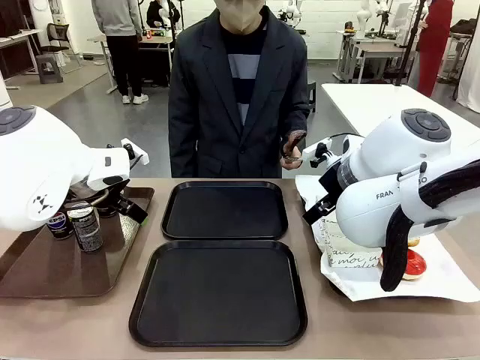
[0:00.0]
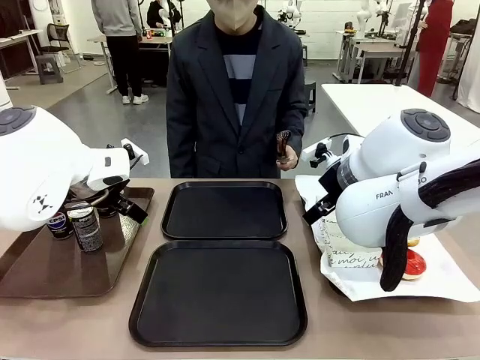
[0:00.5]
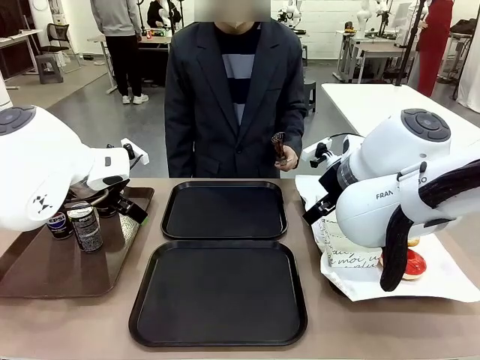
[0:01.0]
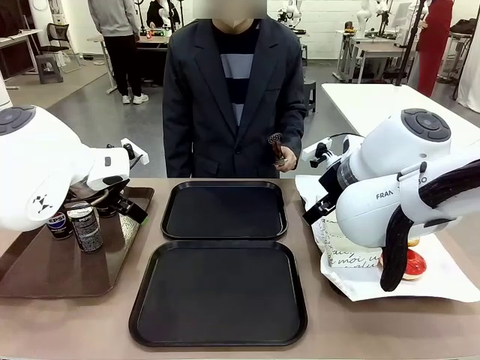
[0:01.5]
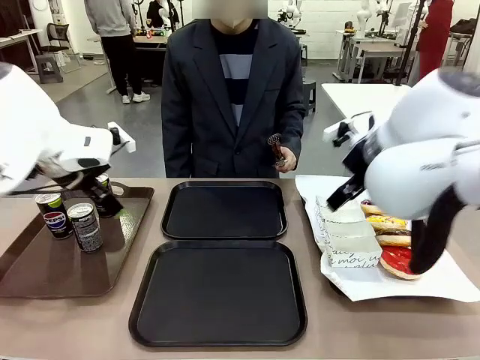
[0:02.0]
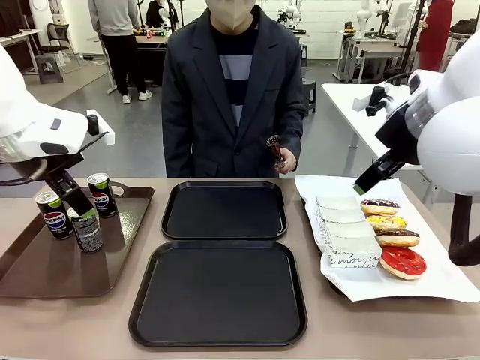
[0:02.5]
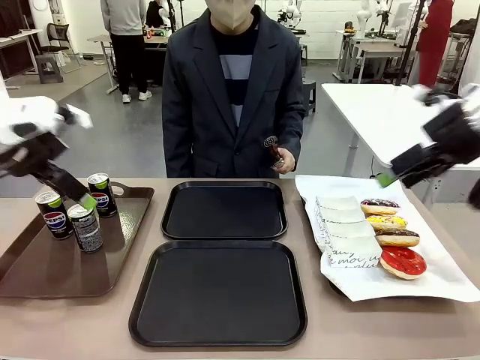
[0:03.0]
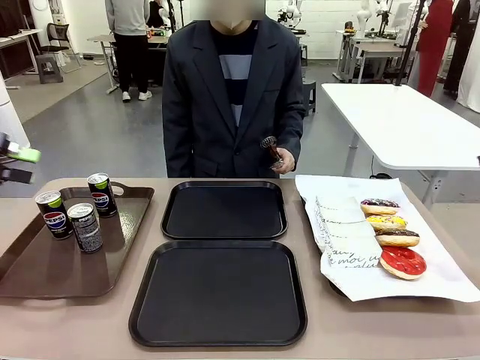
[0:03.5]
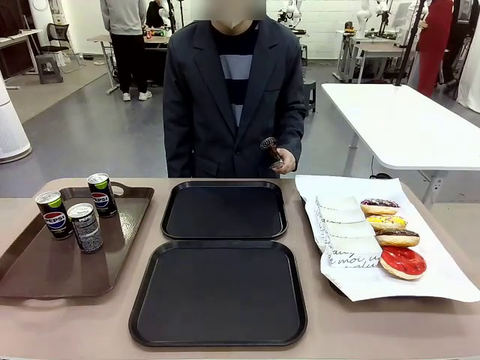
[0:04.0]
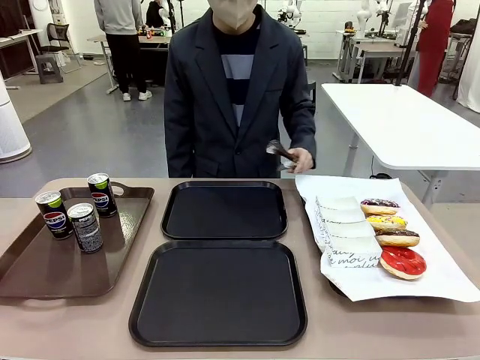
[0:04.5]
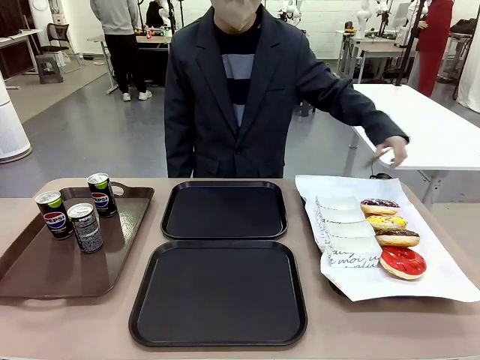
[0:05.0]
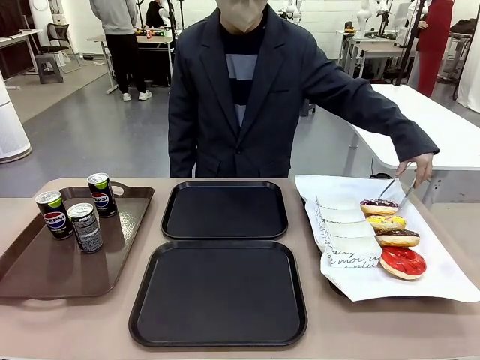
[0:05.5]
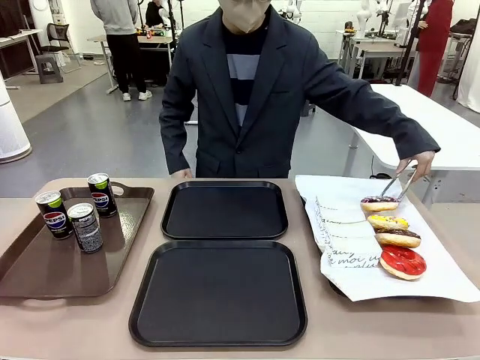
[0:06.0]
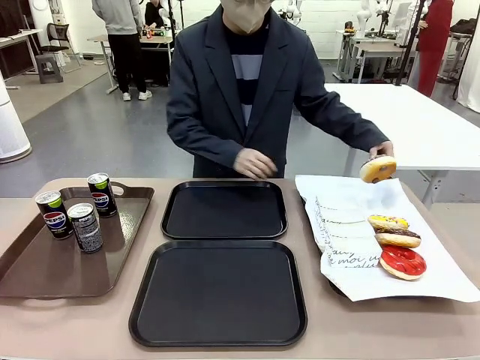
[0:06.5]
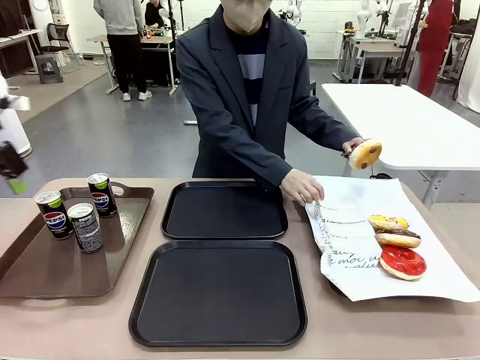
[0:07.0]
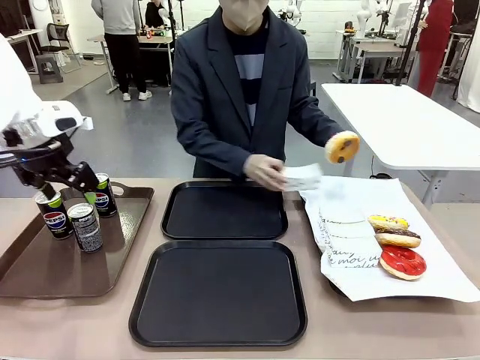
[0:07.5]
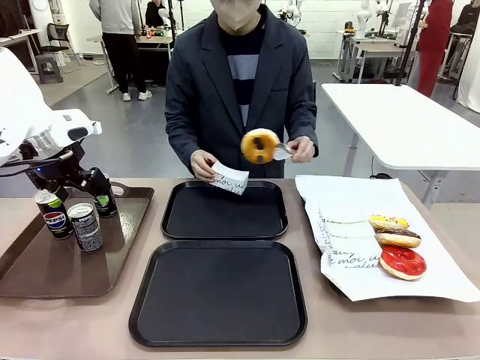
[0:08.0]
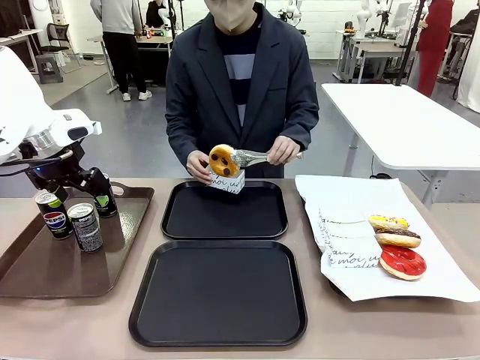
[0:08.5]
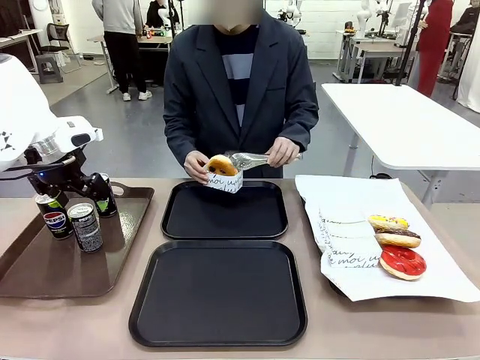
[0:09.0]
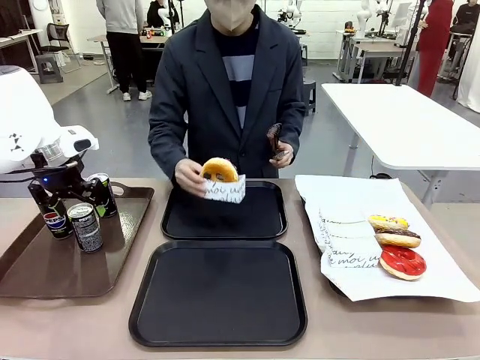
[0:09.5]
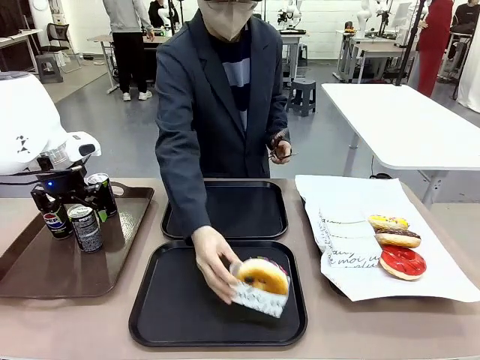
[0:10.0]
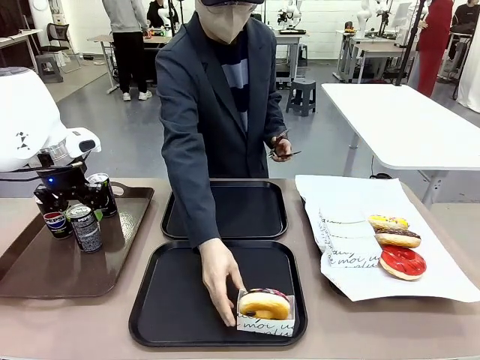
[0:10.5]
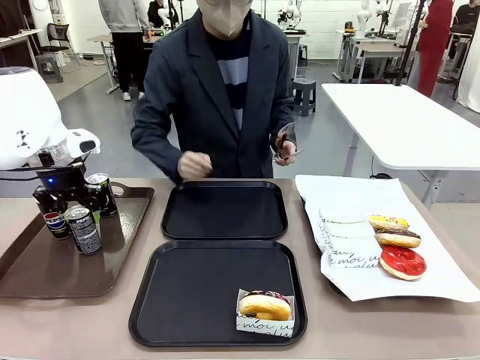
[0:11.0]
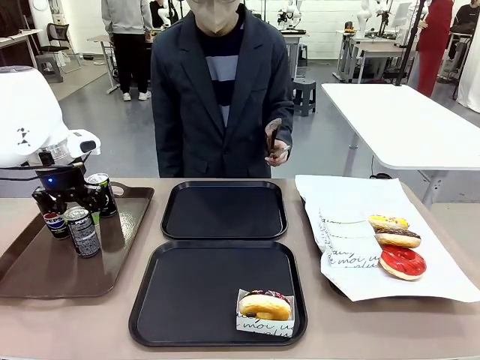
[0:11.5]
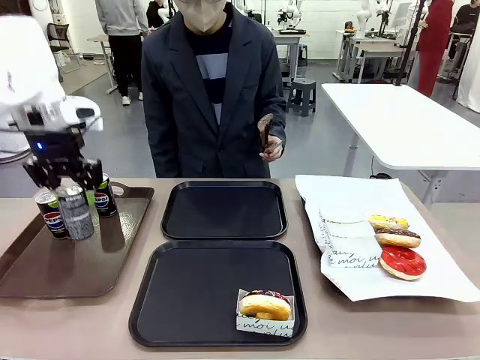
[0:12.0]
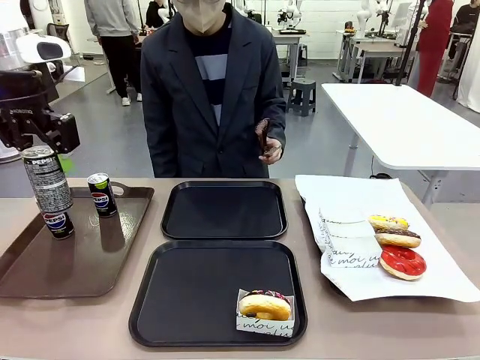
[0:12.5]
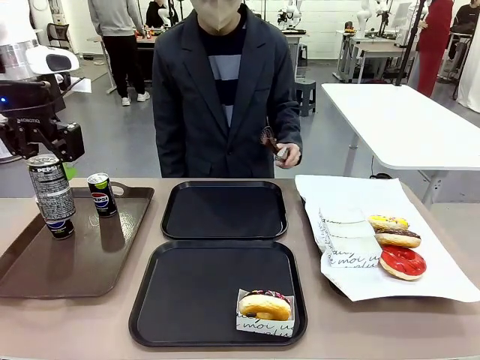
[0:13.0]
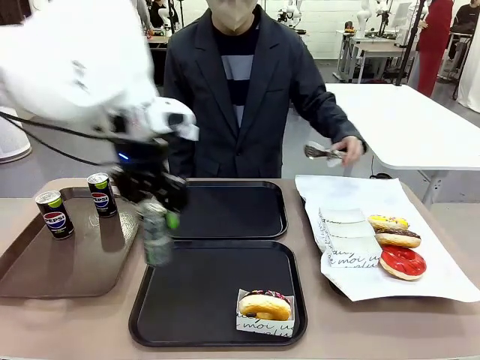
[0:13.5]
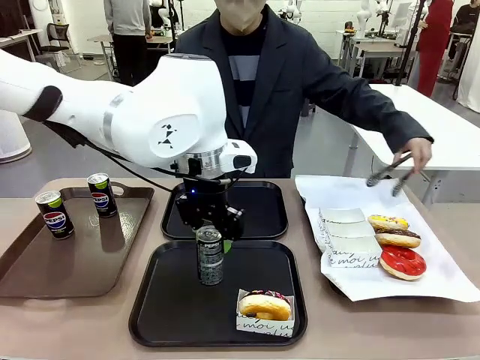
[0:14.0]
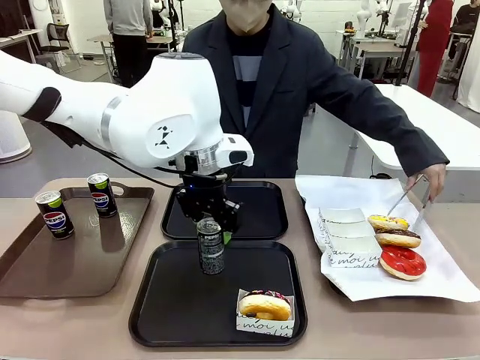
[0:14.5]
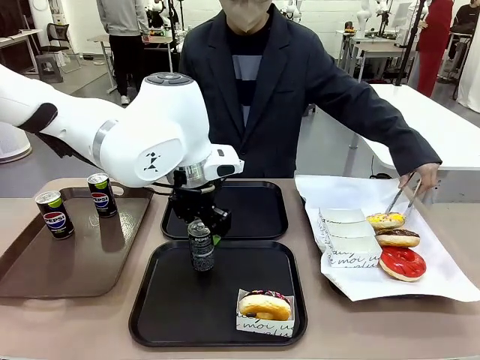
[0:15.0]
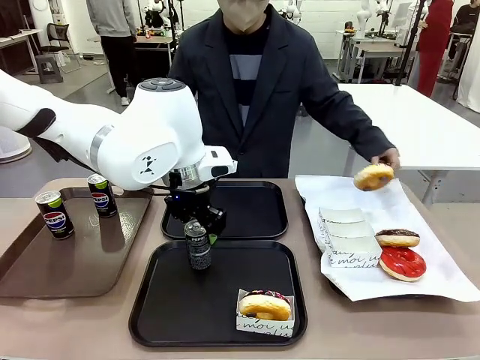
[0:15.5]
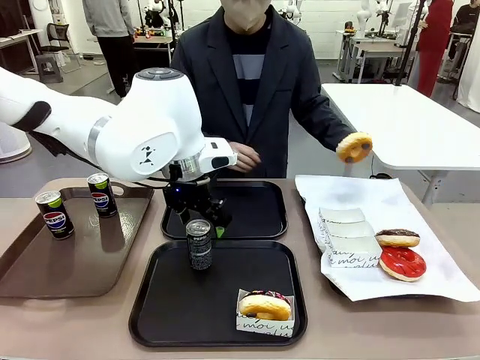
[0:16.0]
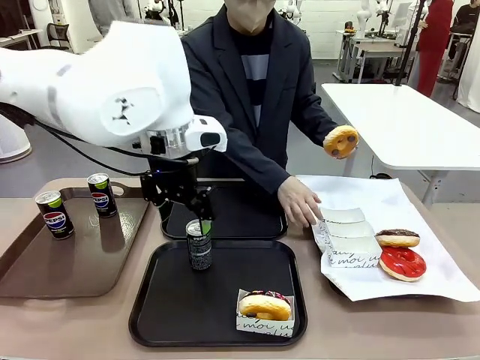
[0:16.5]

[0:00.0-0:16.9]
Task: Set up donuts and drinks on trays.
Robot: Pick up one Pepsi coke and place it on the Flat Tray.

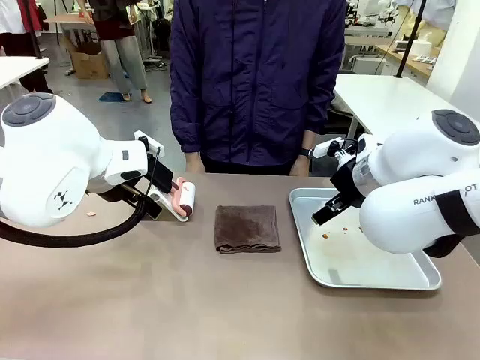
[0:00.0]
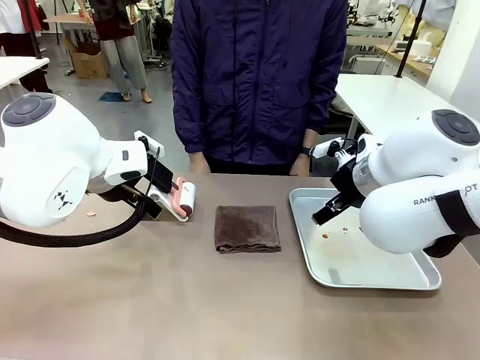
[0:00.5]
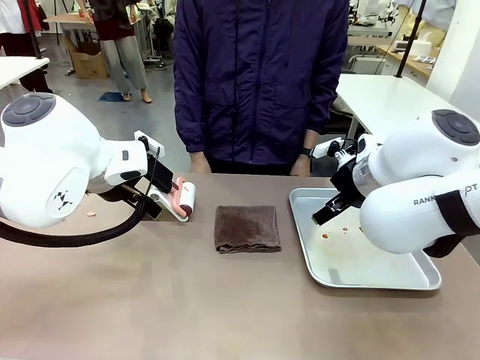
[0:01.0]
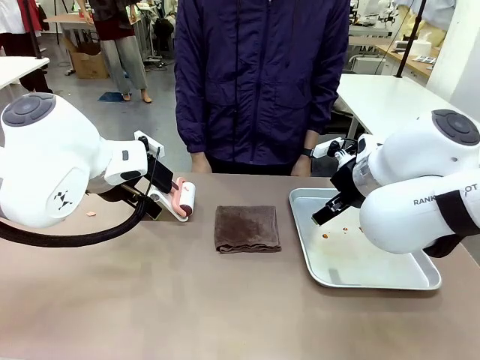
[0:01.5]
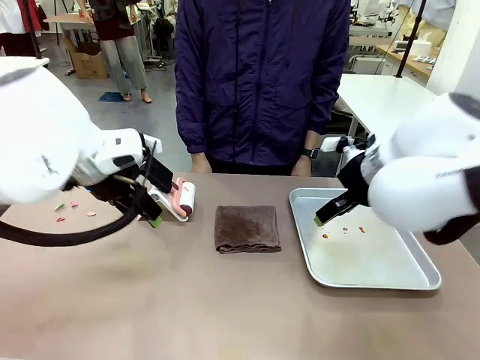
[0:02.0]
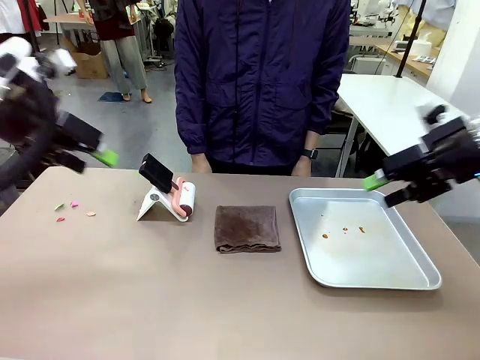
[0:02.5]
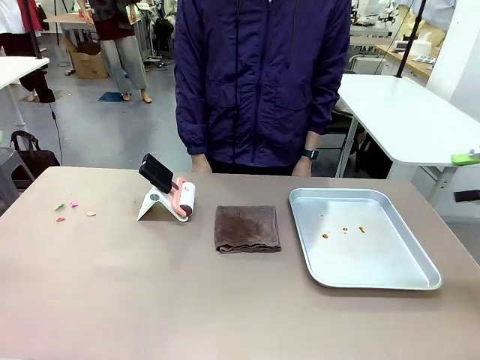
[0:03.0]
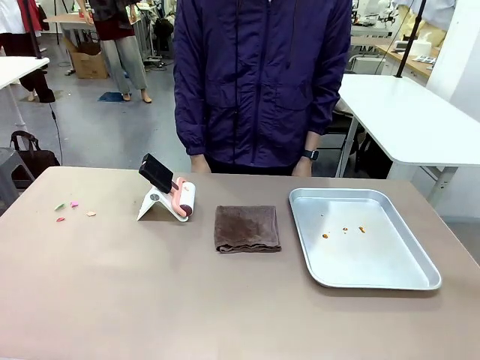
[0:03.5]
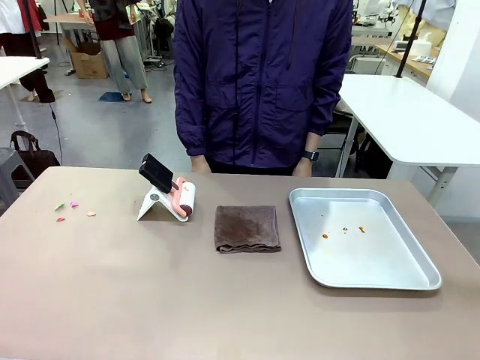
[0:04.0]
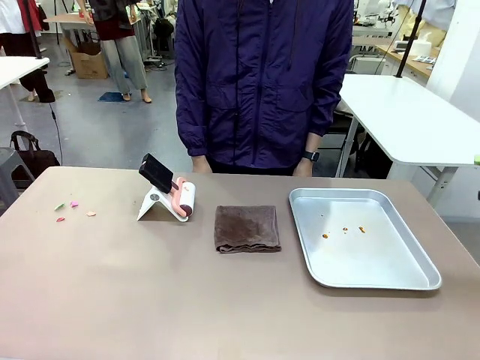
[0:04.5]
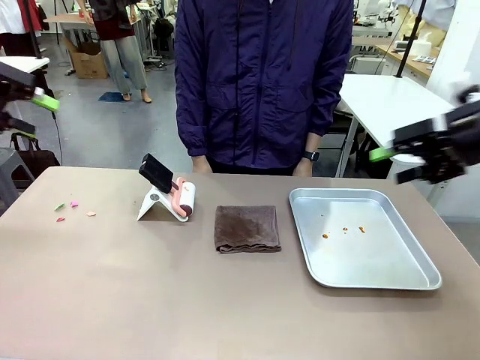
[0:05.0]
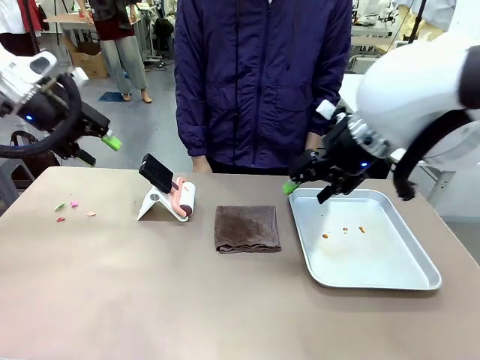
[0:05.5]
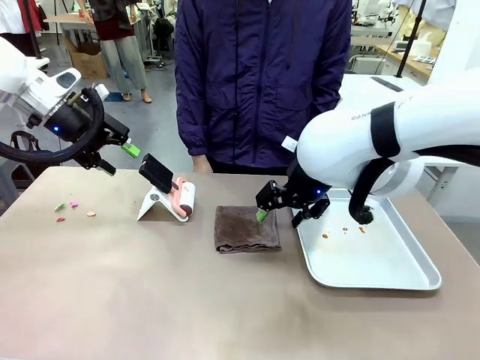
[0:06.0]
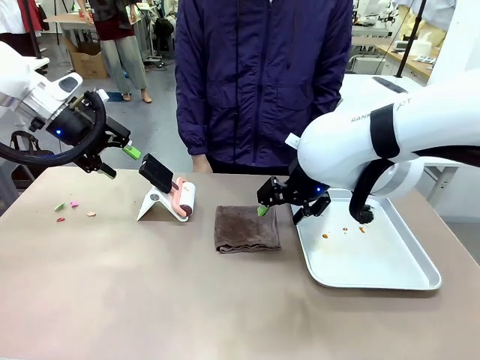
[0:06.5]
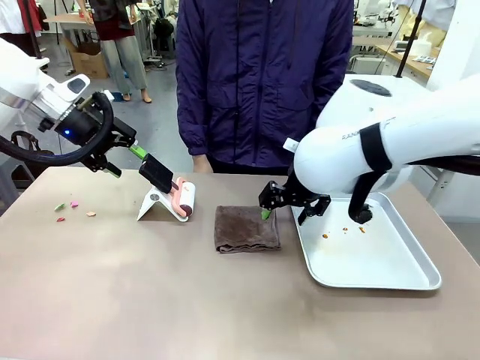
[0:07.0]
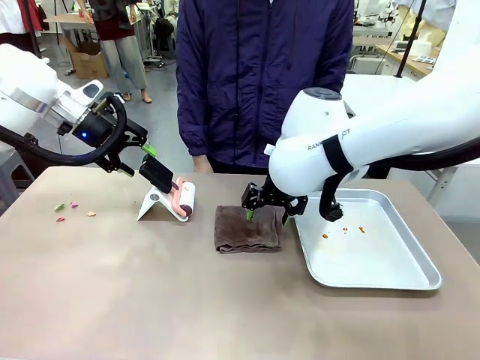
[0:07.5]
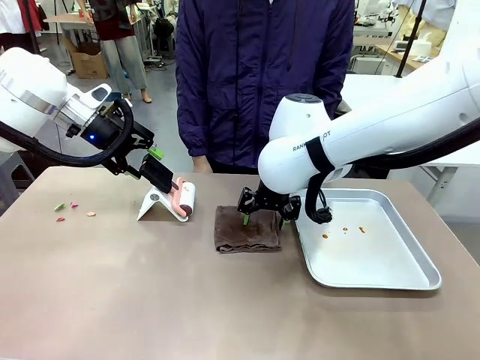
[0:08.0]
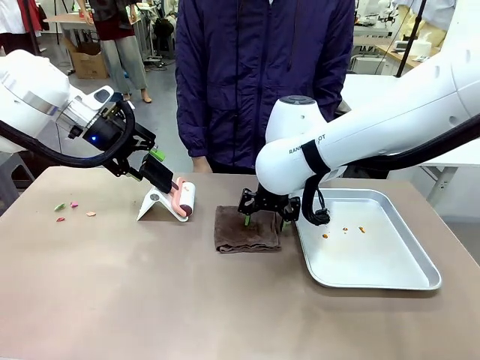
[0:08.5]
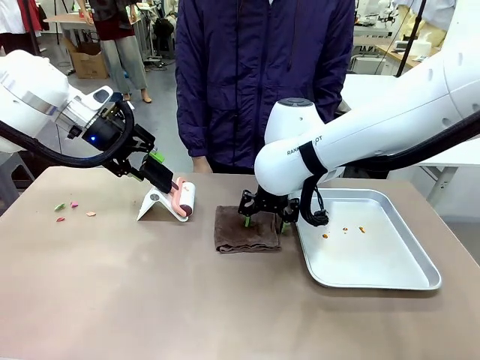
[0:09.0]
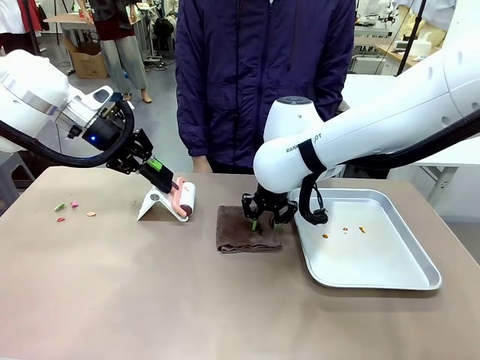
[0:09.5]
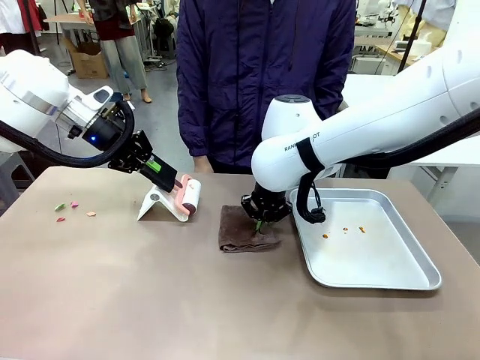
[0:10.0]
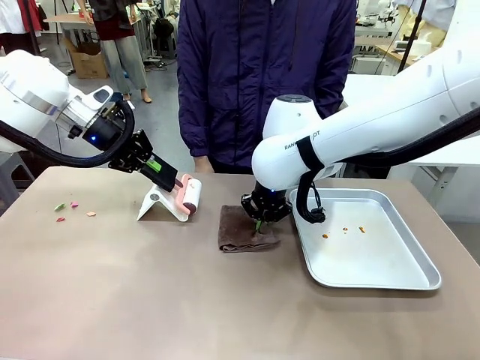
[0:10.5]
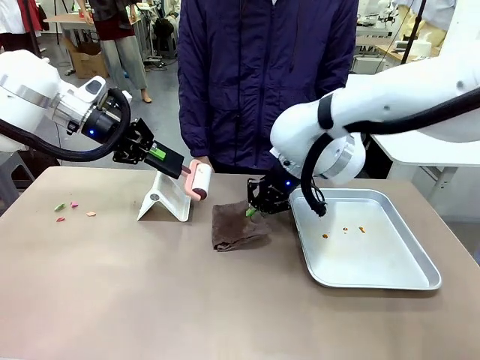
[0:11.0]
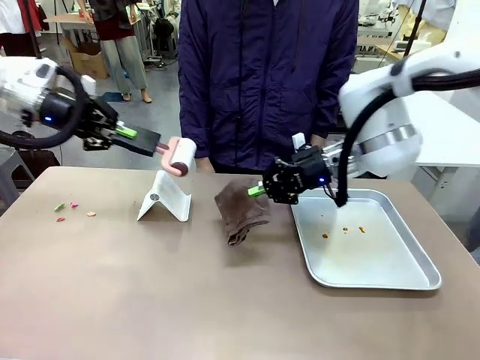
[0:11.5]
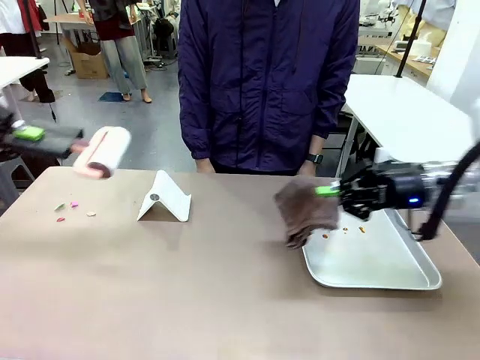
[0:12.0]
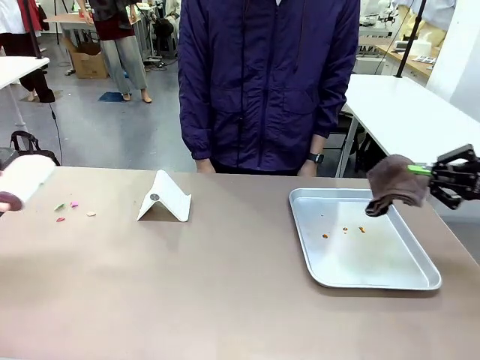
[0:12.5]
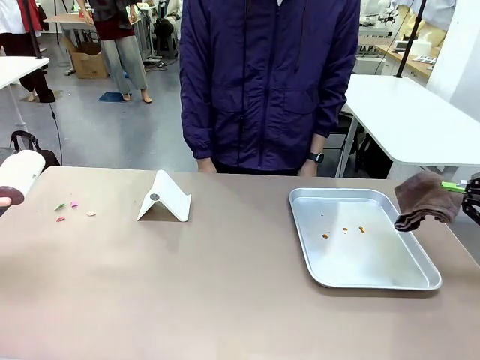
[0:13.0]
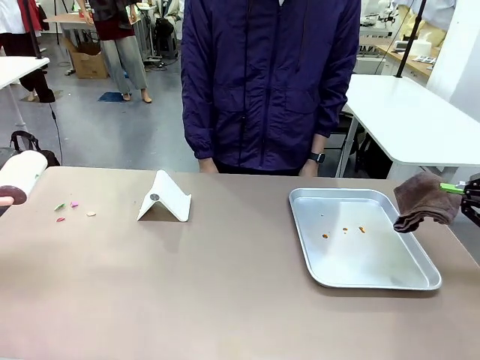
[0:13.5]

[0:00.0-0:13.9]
Task: Clean the surface of the table.
Robot: Hold the Lint Roller with your left hand and the towel with your right hand.
